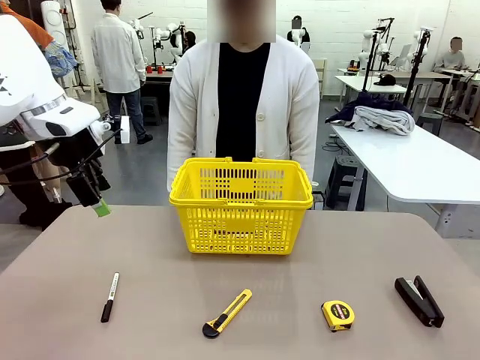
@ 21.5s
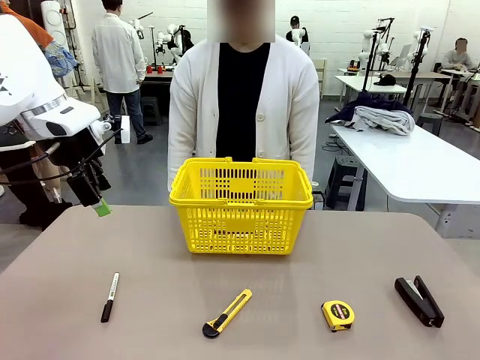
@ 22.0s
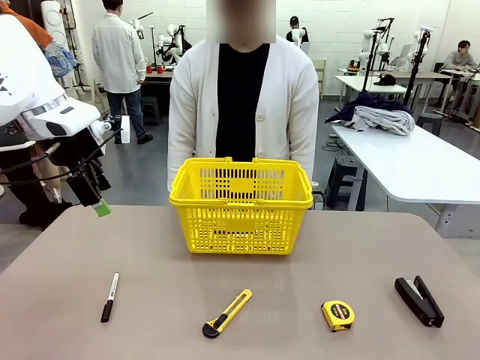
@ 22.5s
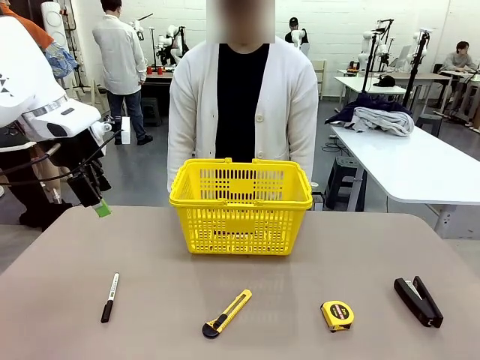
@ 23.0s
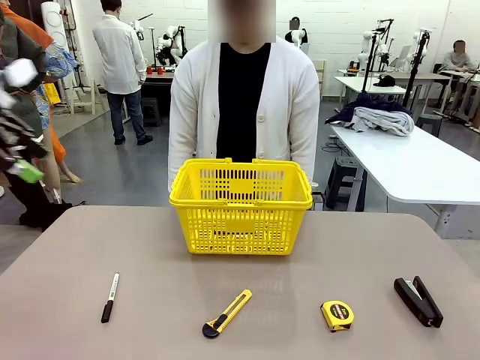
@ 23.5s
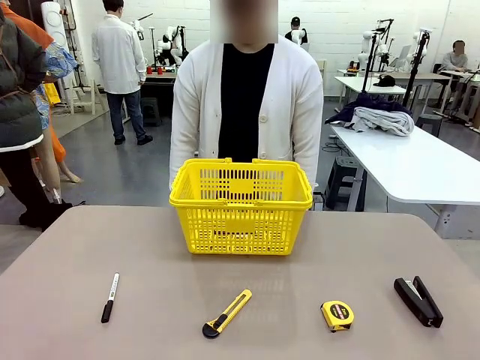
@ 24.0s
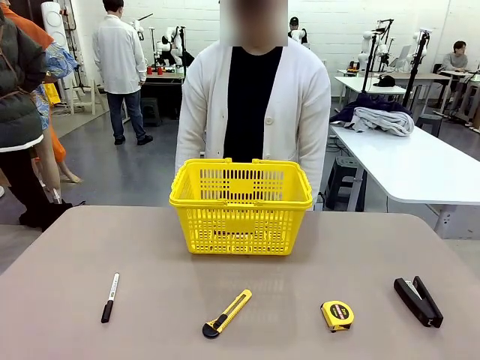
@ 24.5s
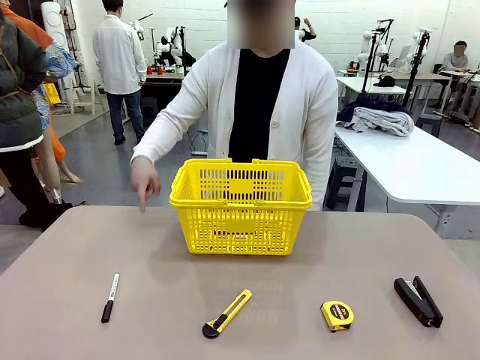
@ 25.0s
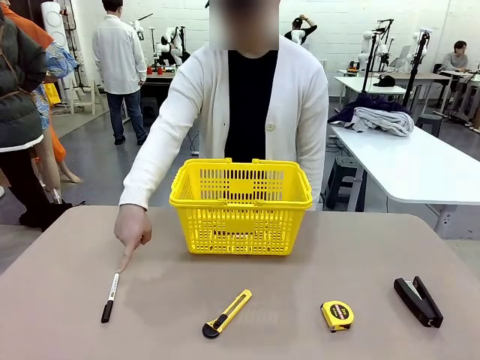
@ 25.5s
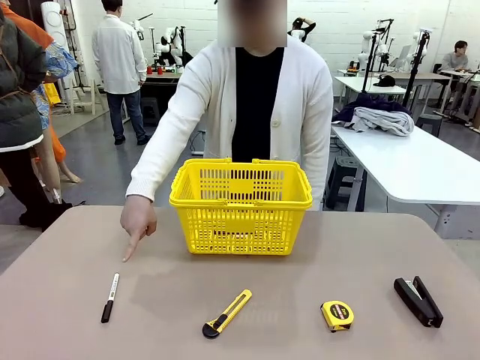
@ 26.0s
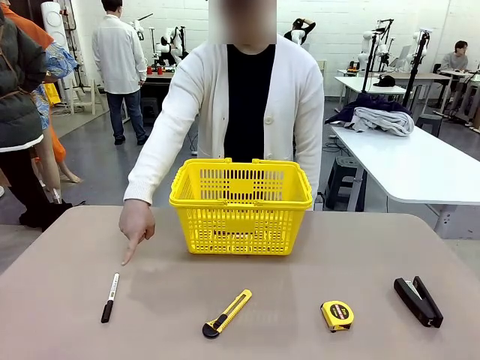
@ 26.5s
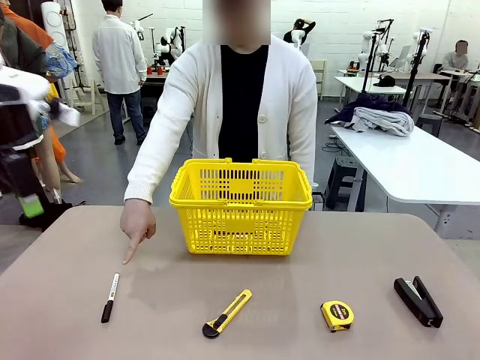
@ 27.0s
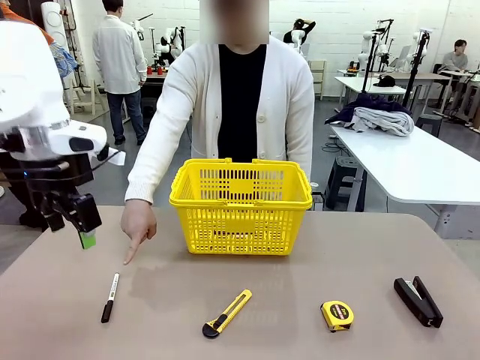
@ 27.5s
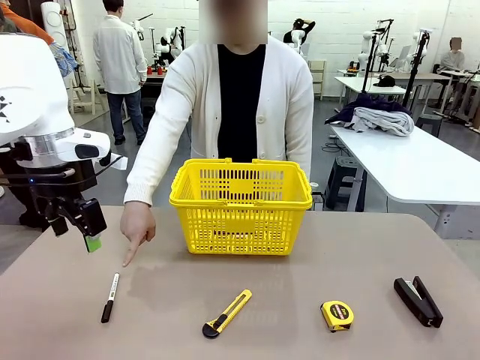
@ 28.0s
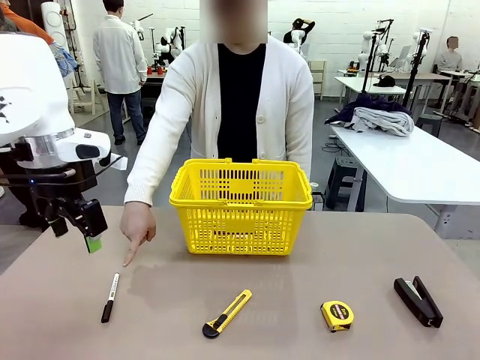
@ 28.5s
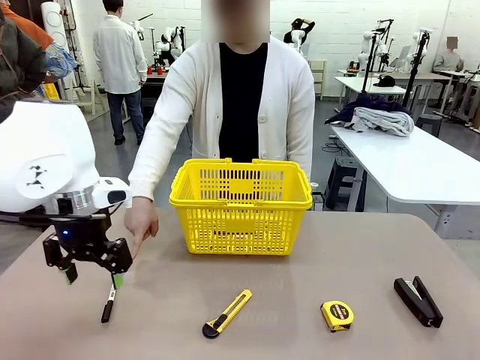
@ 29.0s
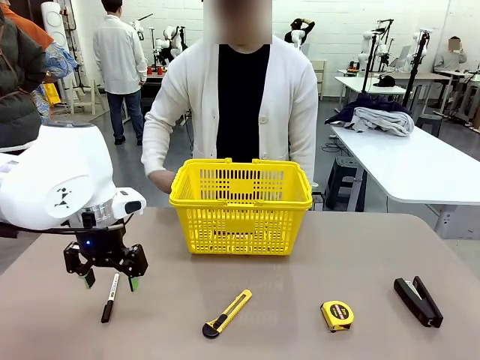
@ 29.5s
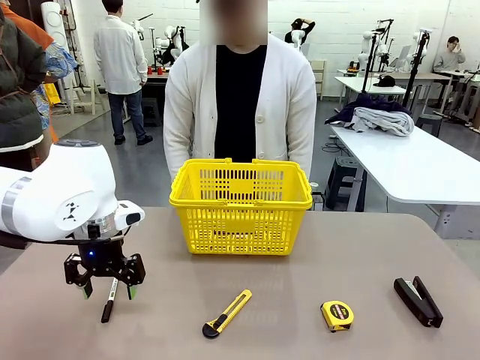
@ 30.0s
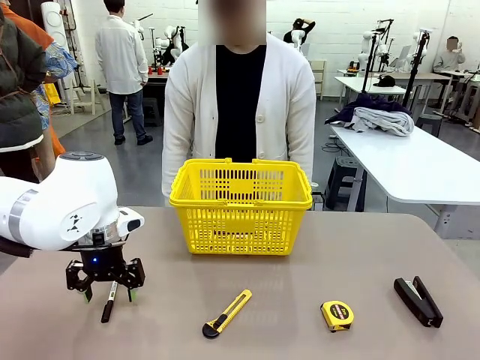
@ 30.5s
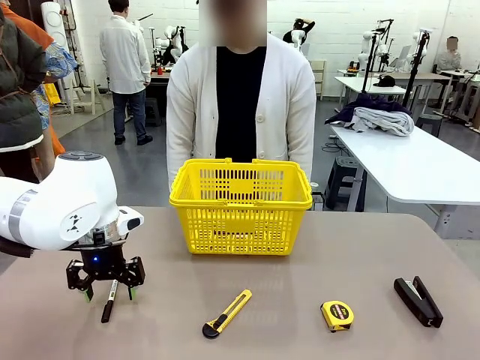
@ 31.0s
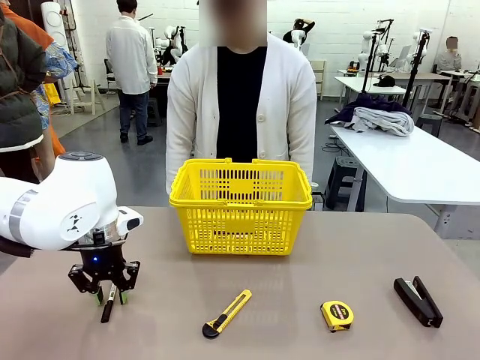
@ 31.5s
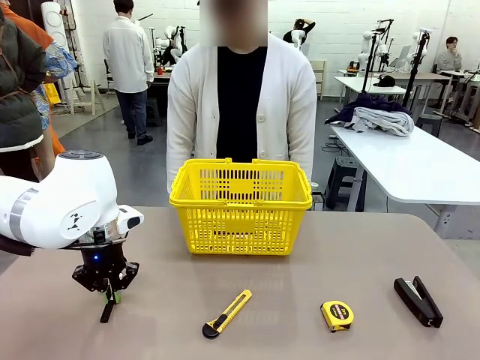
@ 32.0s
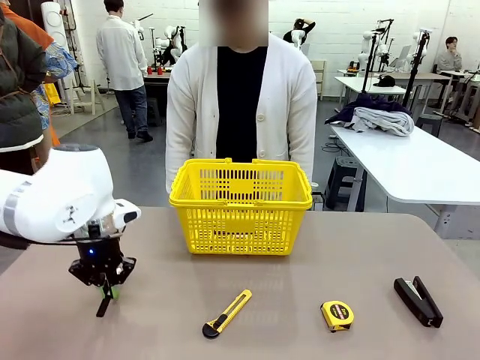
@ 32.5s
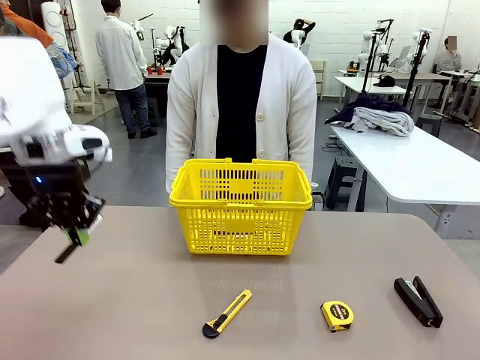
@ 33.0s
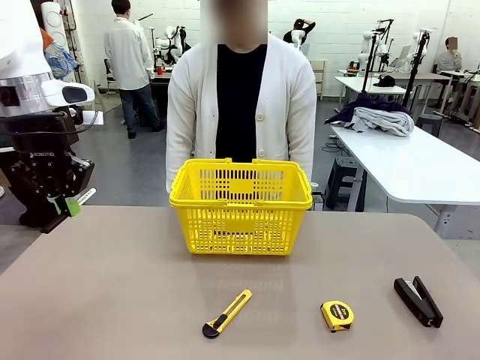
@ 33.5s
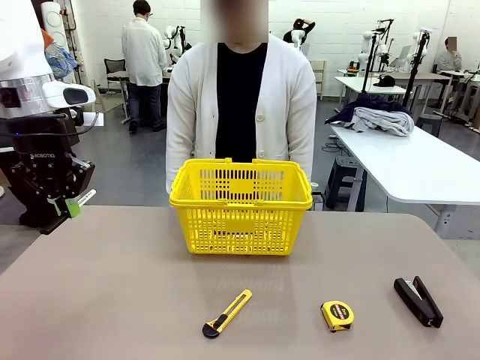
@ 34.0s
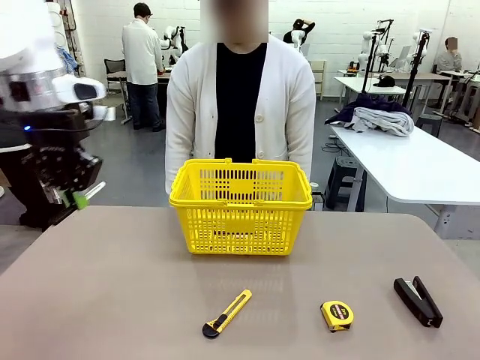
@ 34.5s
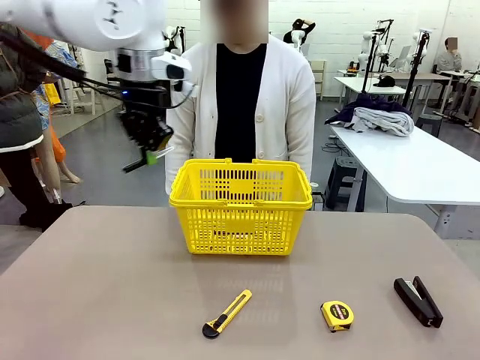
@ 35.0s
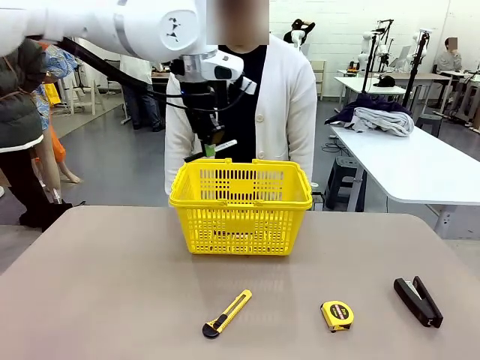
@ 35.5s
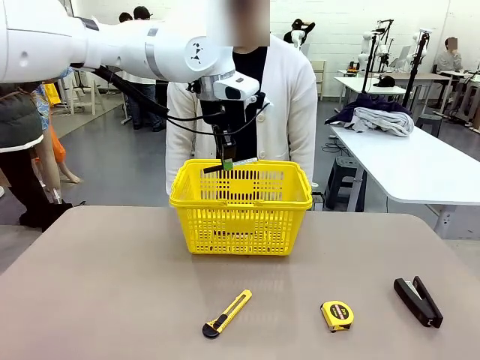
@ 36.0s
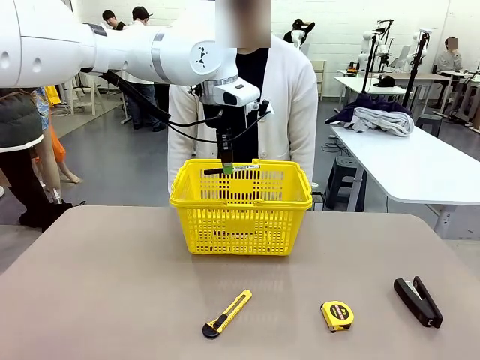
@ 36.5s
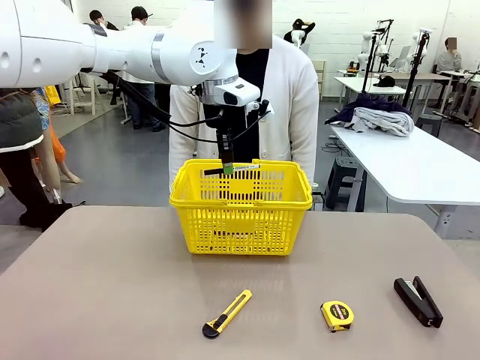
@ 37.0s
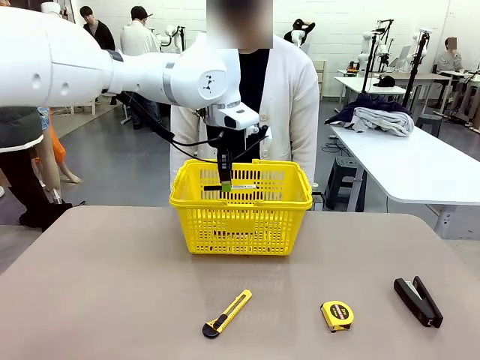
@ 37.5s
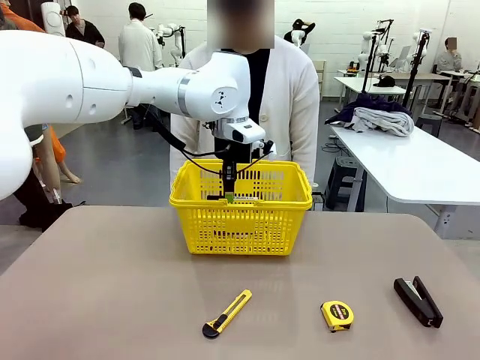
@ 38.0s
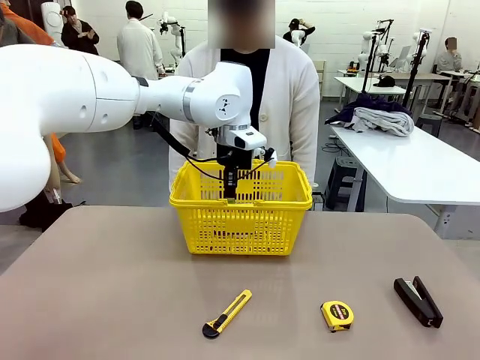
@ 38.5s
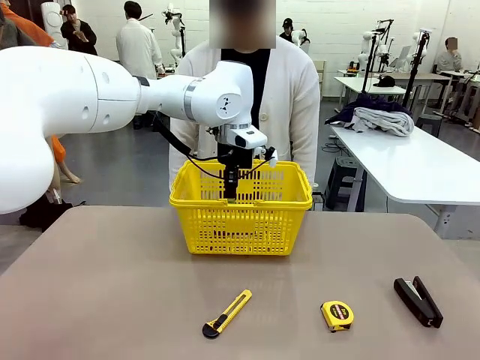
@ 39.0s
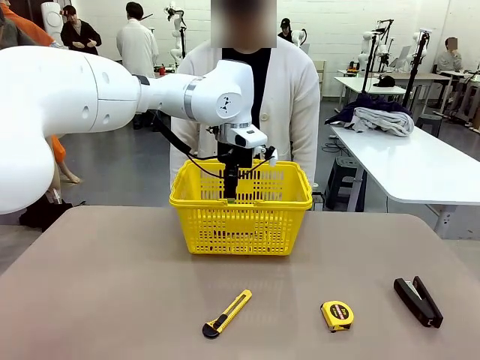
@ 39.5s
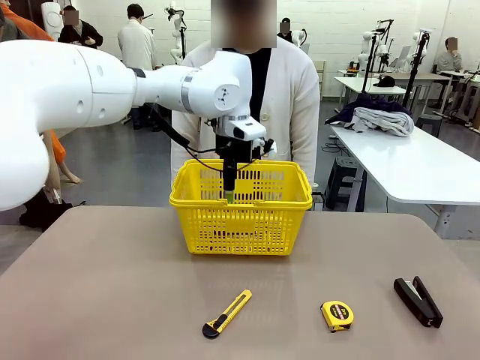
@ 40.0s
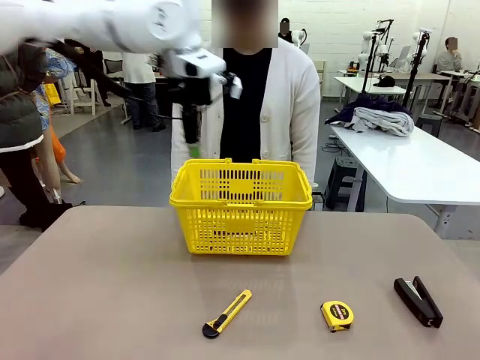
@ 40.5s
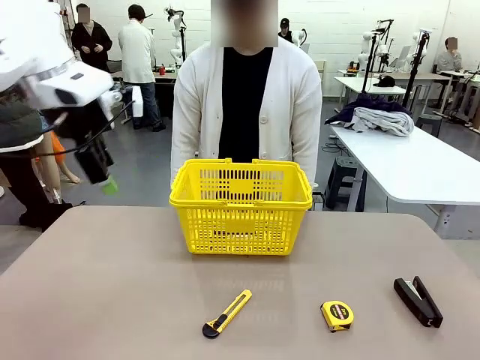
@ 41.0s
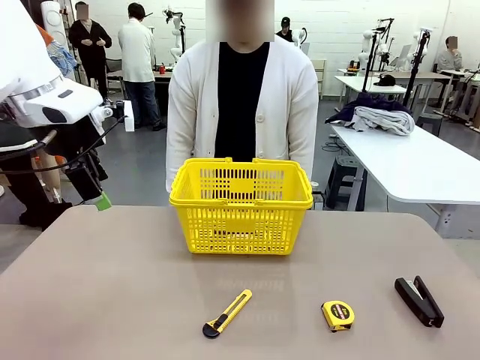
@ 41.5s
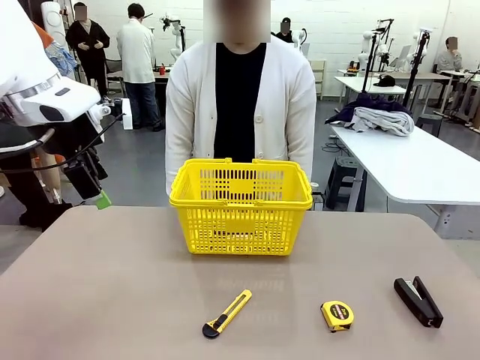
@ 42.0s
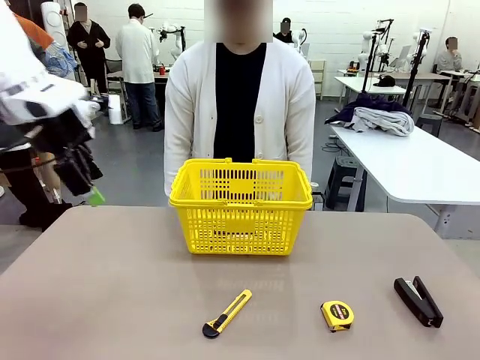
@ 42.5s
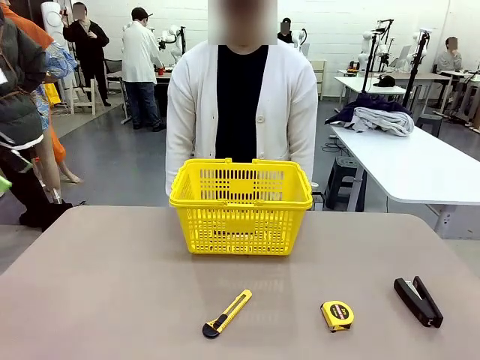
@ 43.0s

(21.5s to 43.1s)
Task: Place the items the person wants into the basket.
Robot: Pick up the item the person points to and place it in the Market Basket.
